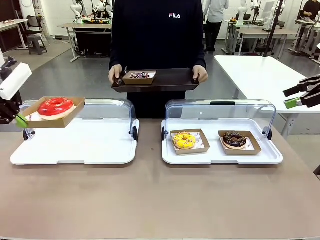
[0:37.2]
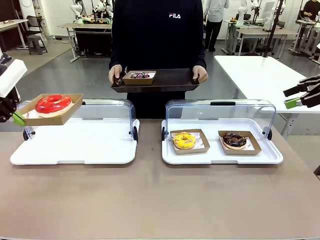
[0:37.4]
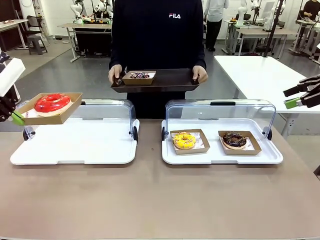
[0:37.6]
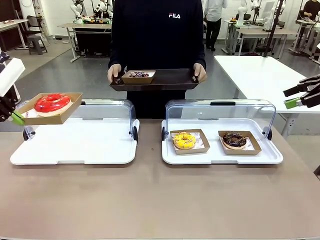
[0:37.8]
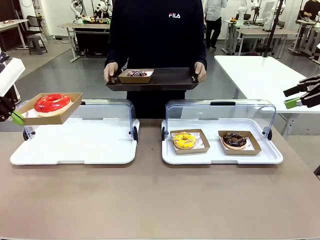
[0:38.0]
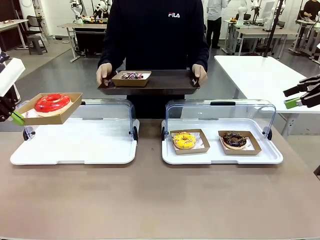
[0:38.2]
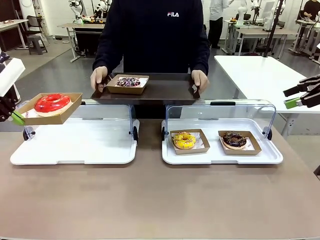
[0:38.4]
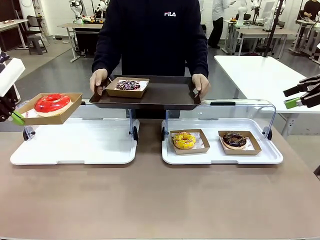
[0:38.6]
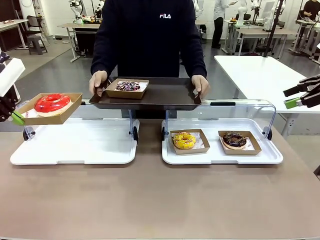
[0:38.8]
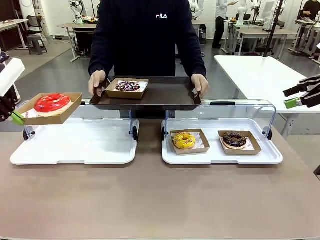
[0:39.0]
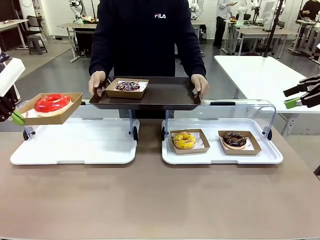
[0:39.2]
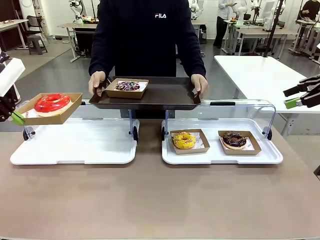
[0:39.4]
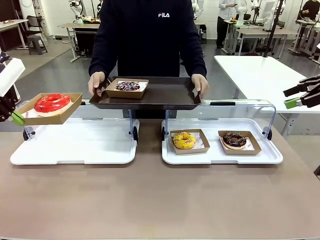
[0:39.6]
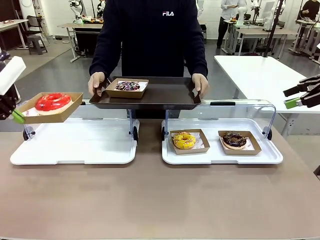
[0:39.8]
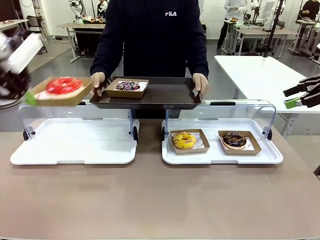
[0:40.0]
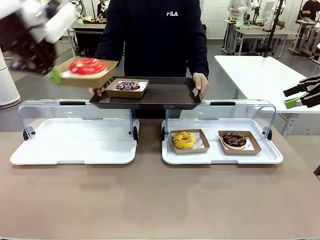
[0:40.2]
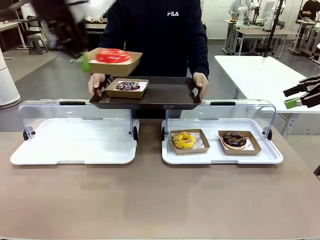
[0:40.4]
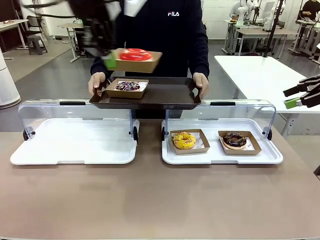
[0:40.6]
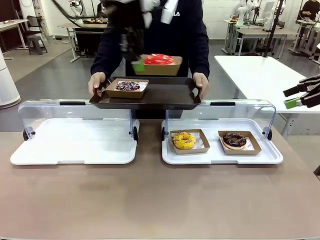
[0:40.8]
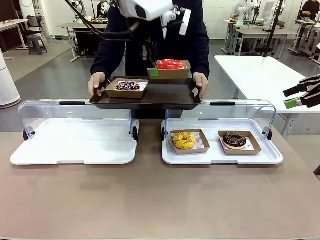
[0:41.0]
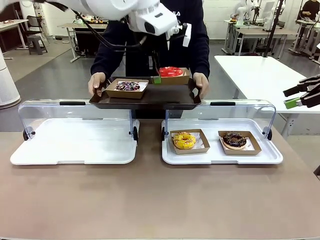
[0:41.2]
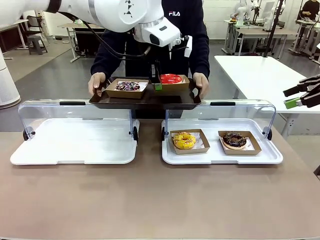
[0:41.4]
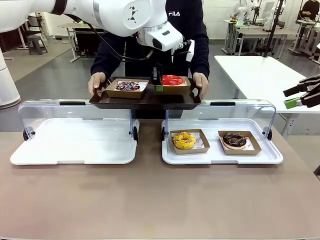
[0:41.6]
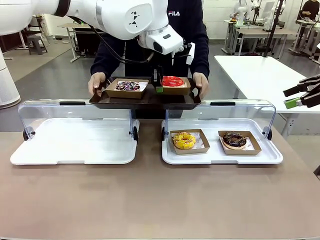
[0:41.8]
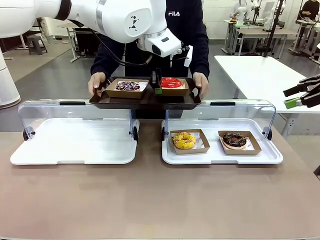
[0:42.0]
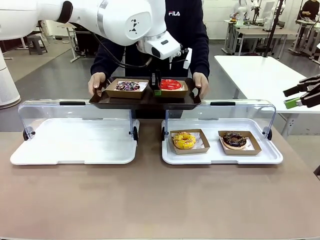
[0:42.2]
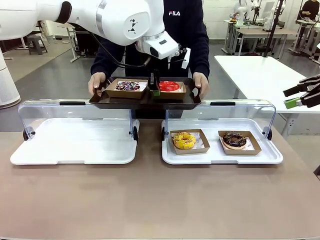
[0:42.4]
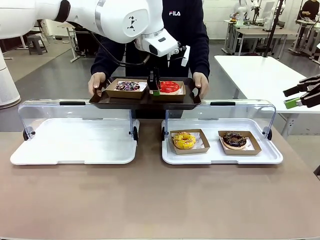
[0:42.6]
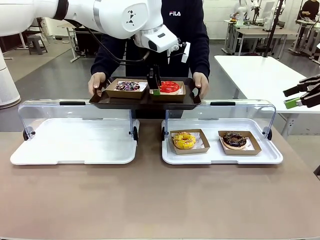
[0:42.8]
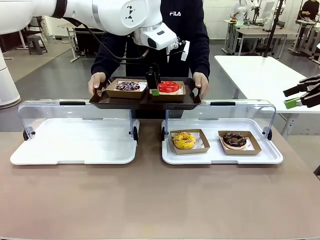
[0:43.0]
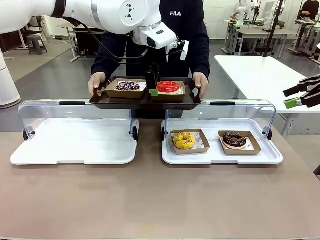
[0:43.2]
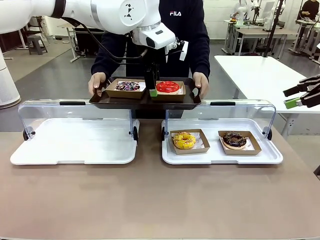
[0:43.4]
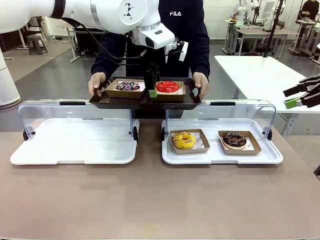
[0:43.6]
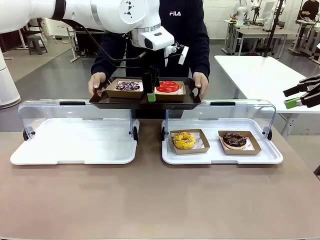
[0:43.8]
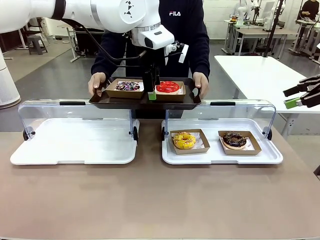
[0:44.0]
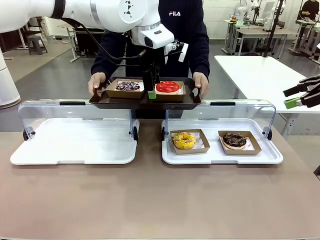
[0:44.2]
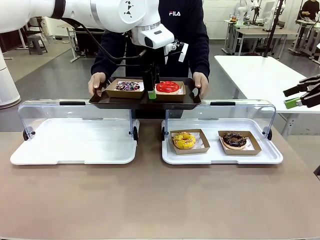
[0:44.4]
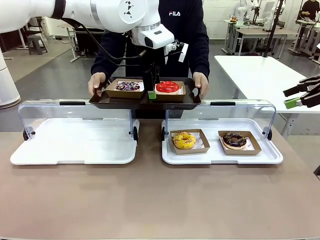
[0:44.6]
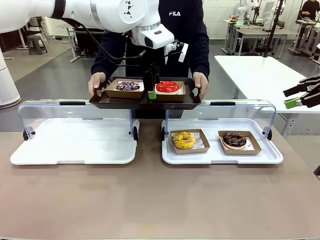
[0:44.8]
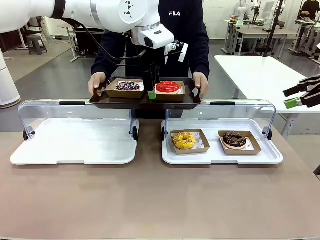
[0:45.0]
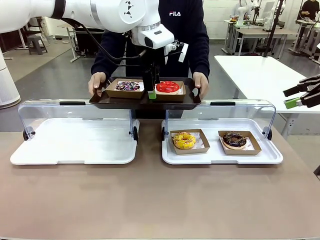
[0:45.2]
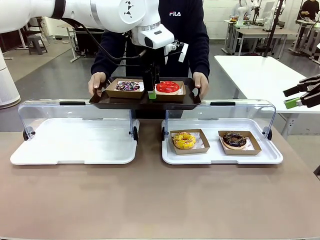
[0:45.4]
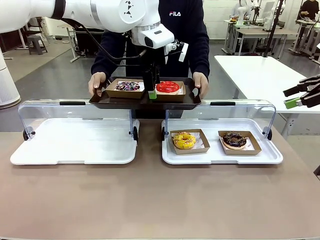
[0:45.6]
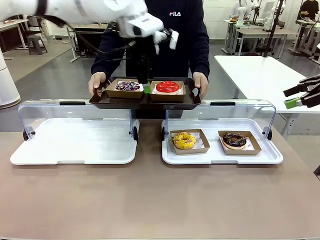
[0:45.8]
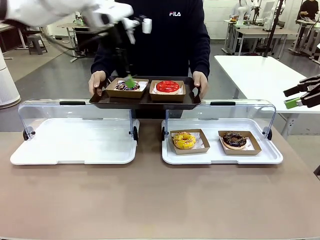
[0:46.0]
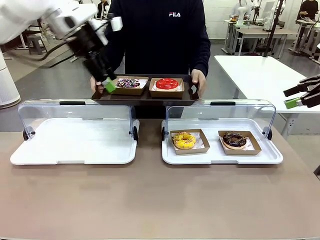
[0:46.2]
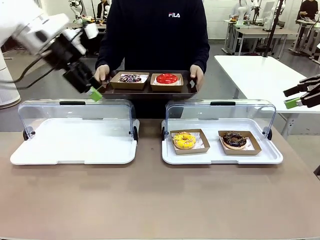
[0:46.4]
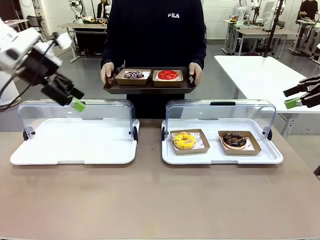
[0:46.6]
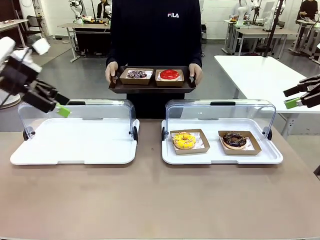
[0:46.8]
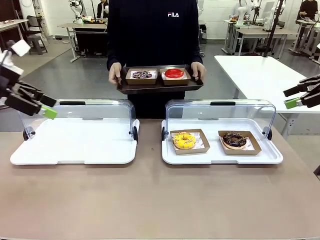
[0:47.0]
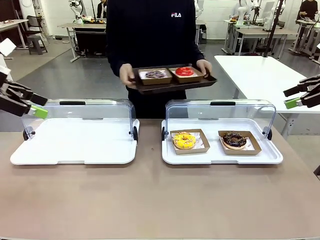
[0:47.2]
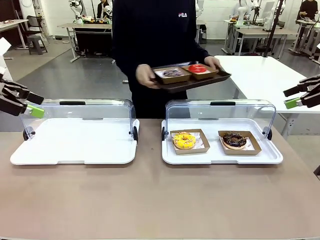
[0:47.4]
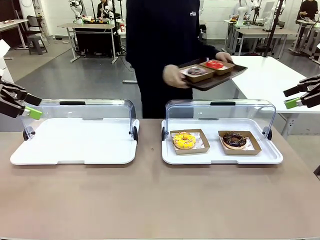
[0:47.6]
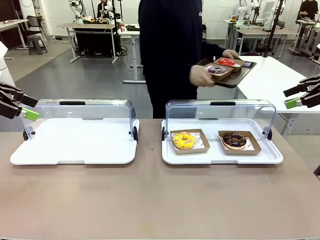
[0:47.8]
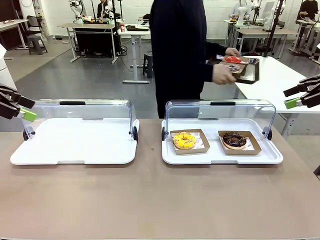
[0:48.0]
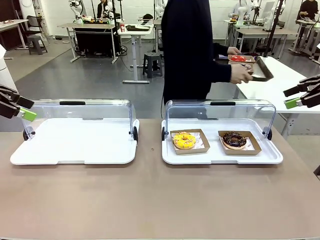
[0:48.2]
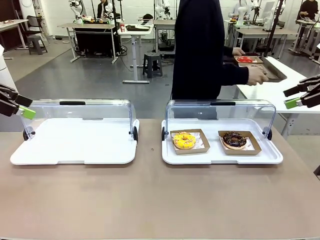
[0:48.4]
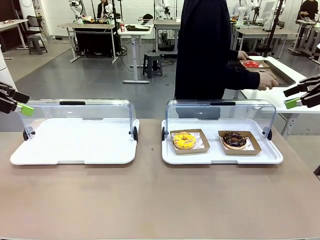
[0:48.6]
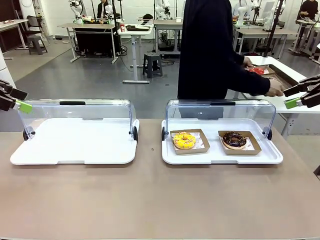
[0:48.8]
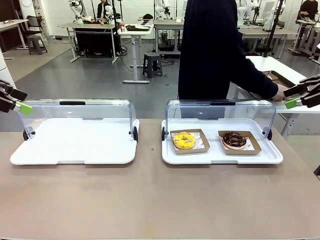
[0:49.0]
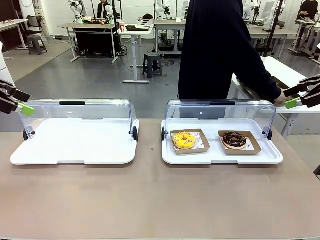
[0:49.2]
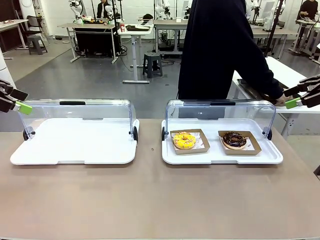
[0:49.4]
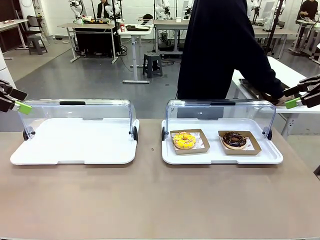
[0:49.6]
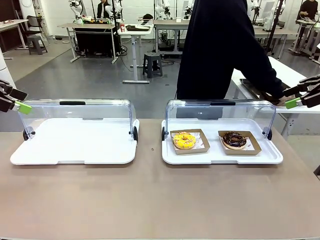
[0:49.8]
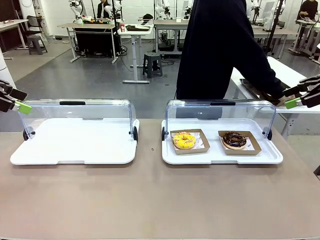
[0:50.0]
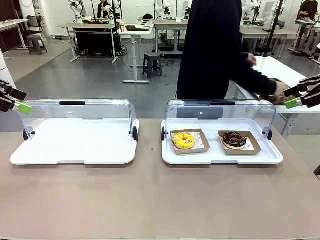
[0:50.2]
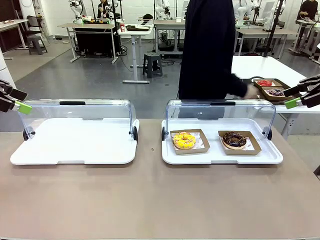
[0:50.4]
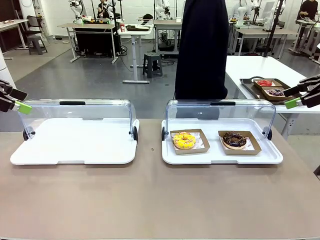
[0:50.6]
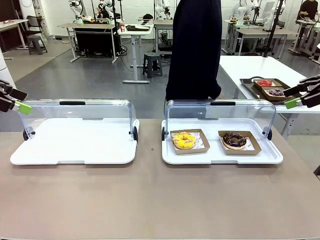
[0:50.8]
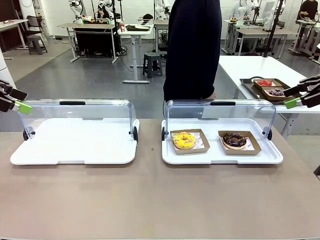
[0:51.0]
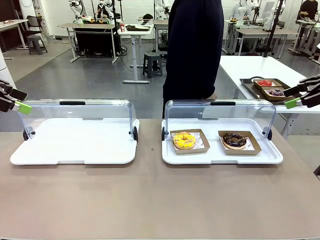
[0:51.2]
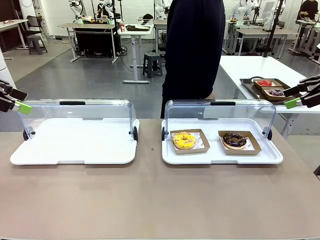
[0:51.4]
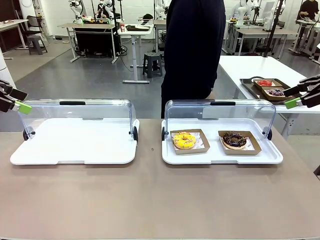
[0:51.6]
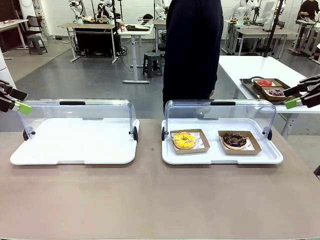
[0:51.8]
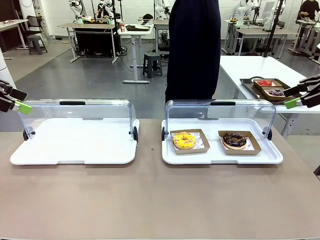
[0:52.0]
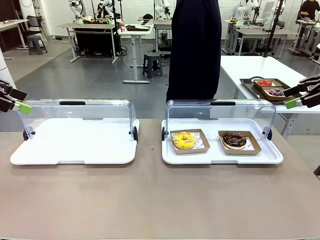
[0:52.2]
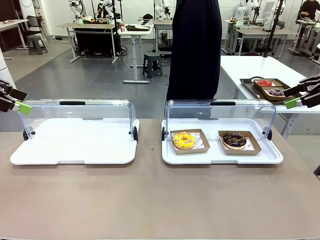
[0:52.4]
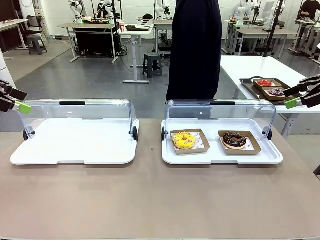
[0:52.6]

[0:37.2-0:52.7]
Task: Provide the desired donut to the person.
Robot: Place the picked Paper togo box onto the Handle tray extended by the person.
Person: Place the tray in the middle of the human table.

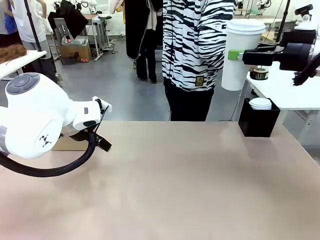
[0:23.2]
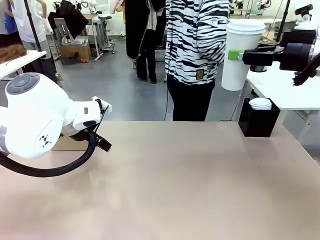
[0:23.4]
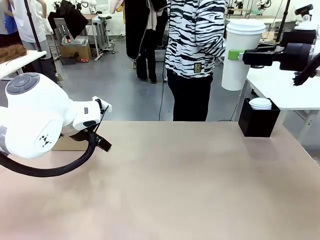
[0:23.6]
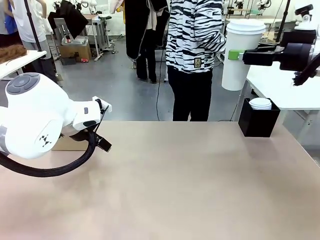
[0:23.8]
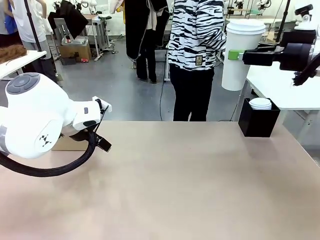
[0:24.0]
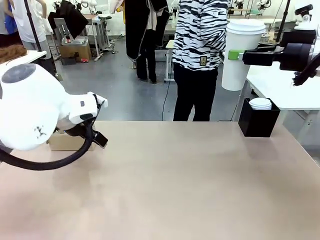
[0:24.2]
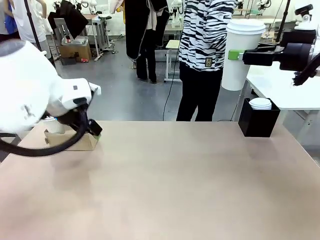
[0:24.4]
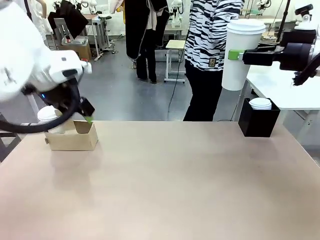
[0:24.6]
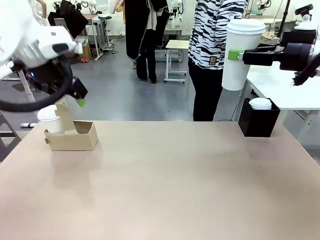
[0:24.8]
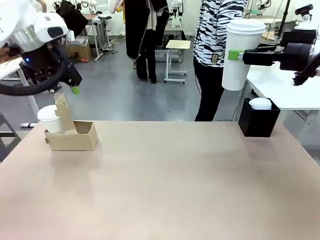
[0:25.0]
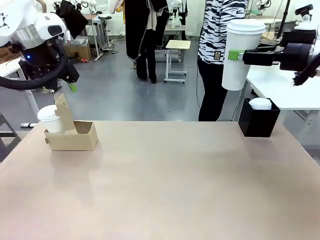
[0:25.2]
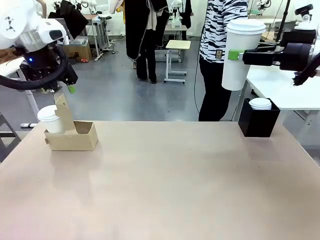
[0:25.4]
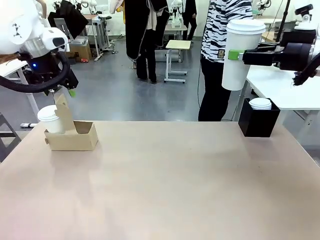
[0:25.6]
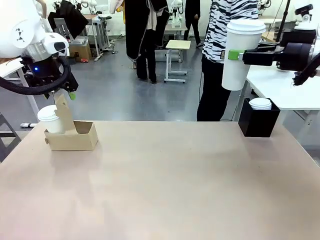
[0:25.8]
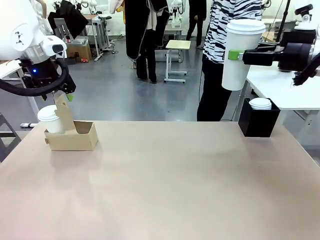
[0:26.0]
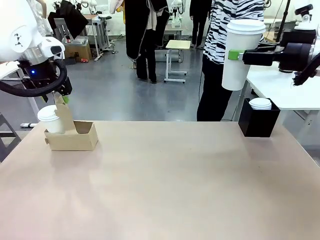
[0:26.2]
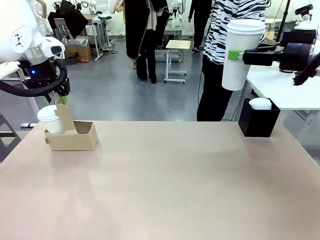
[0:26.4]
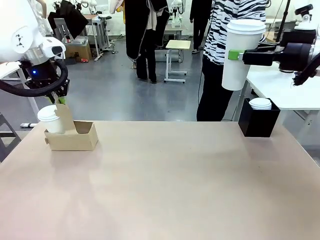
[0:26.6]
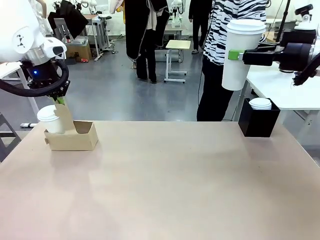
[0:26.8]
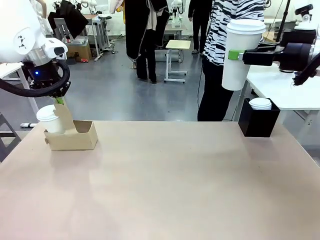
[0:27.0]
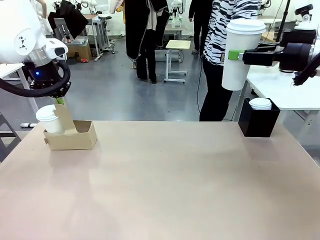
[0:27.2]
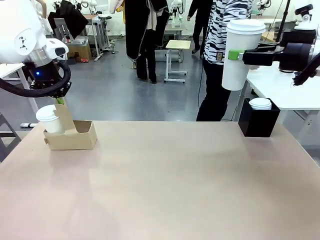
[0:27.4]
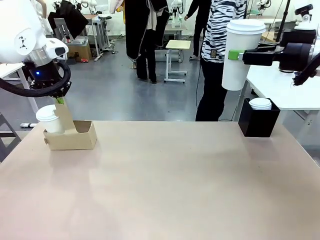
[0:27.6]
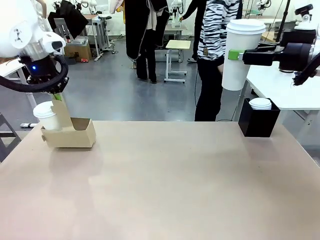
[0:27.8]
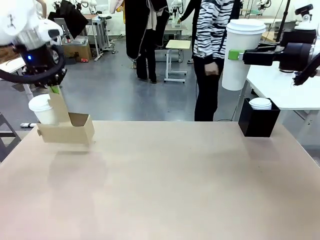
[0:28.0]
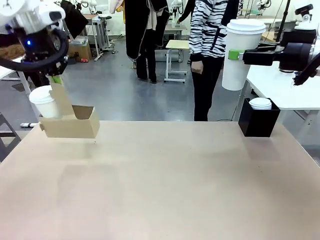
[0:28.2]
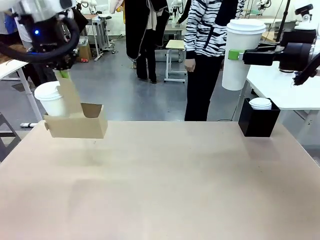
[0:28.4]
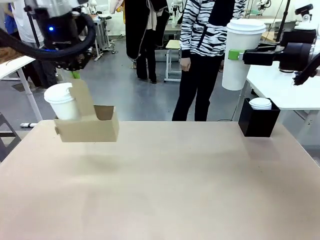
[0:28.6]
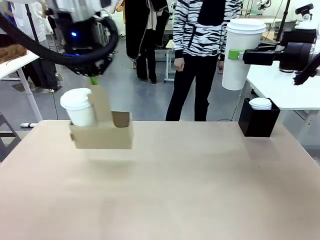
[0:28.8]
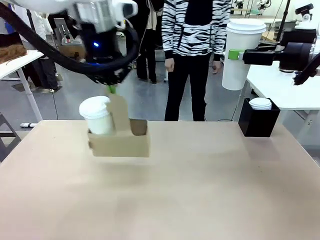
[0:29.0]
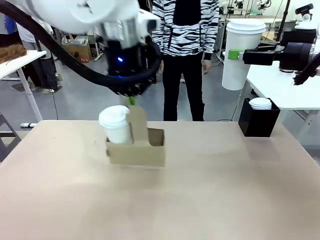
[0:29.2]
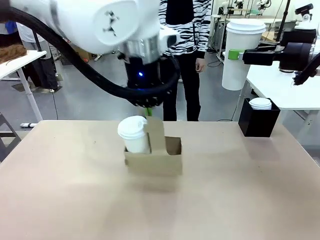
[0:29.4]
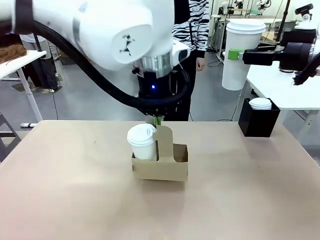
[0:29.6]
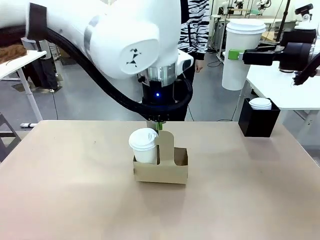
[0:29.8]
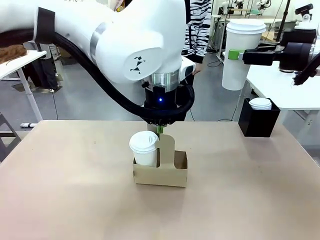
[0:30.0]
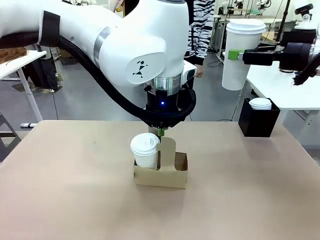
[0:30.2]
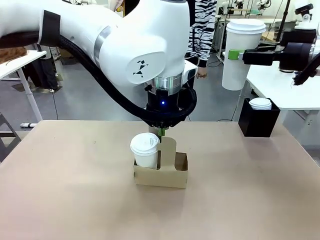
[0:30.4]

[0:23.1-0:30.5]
Task: Pour a drink into a cup and package it in a carrier.
Robot: Position the Cup Carrier in the center of the table.
Person: Pick up the Filter Brewing and place on the middle of Human table, and return to the Robot table.
